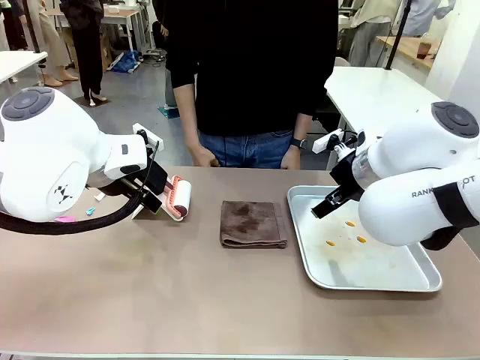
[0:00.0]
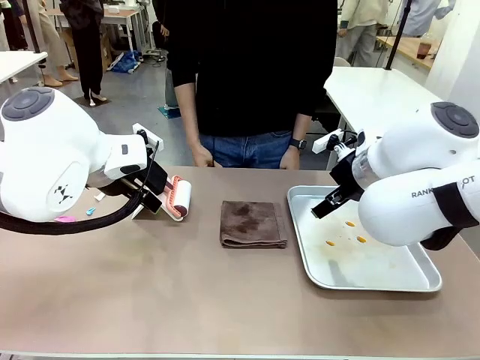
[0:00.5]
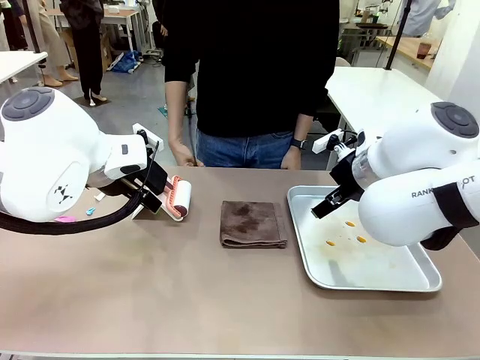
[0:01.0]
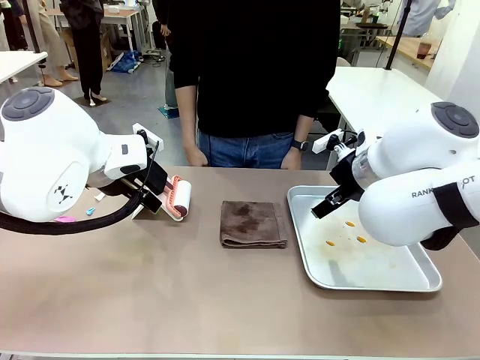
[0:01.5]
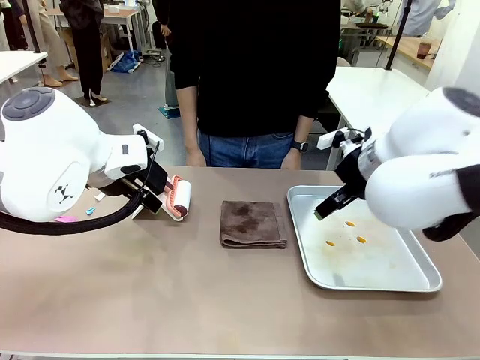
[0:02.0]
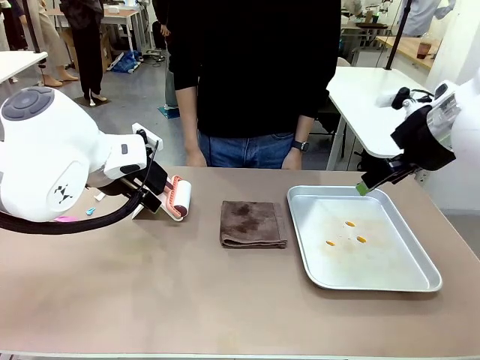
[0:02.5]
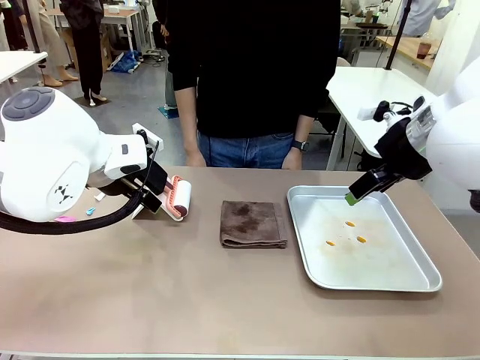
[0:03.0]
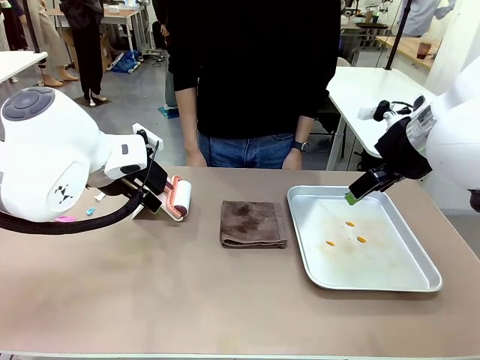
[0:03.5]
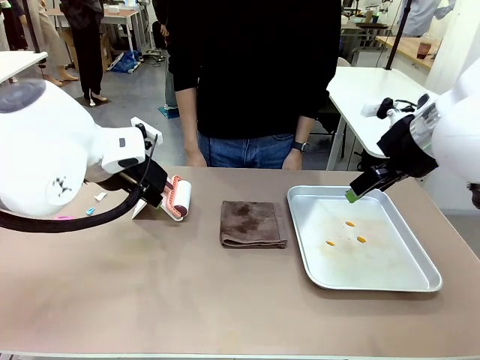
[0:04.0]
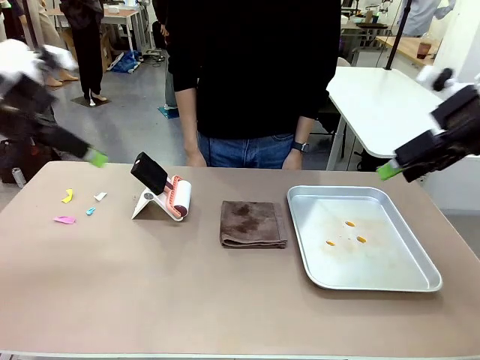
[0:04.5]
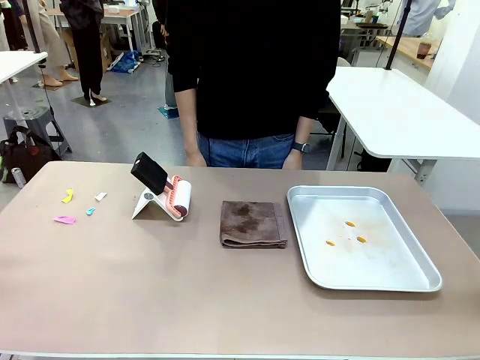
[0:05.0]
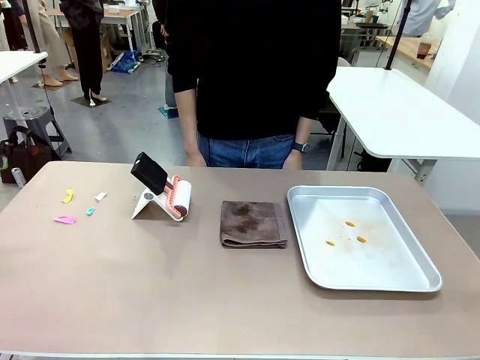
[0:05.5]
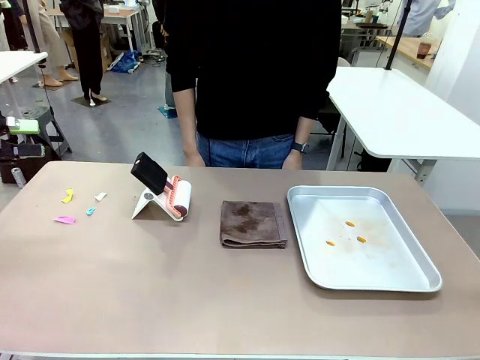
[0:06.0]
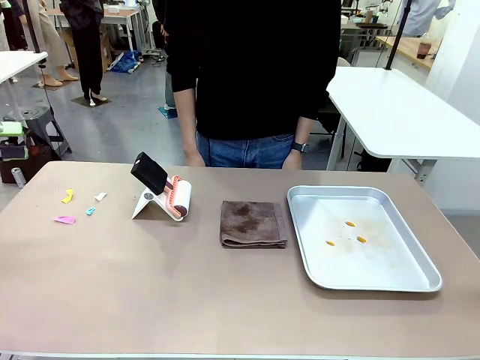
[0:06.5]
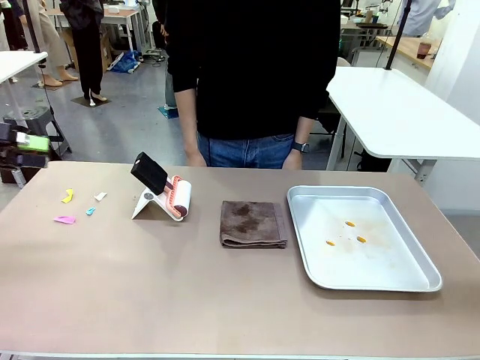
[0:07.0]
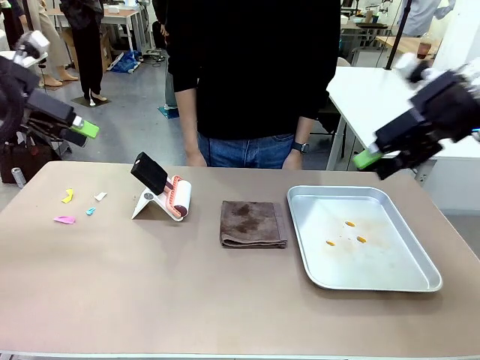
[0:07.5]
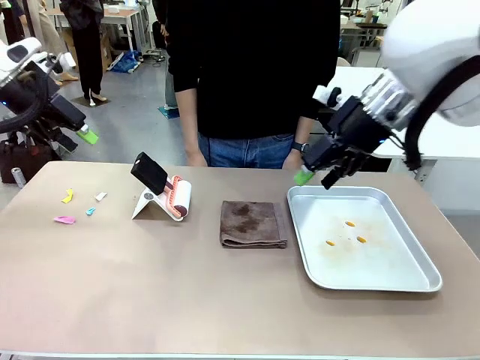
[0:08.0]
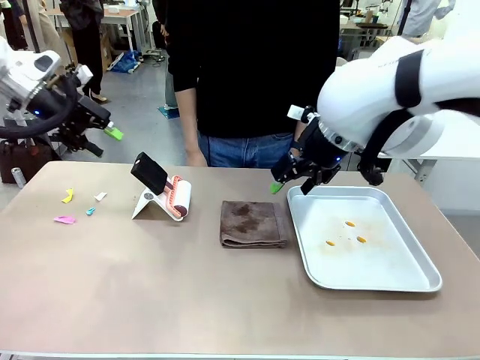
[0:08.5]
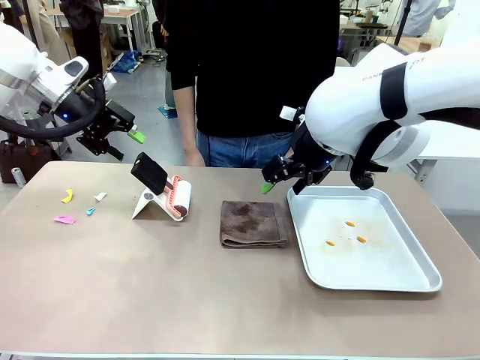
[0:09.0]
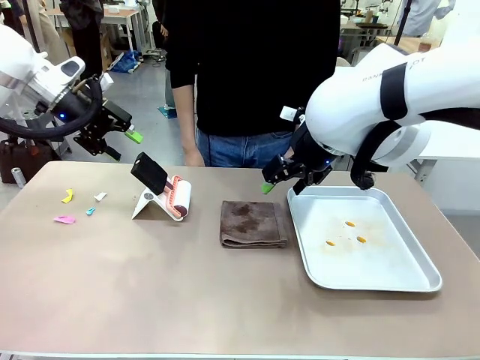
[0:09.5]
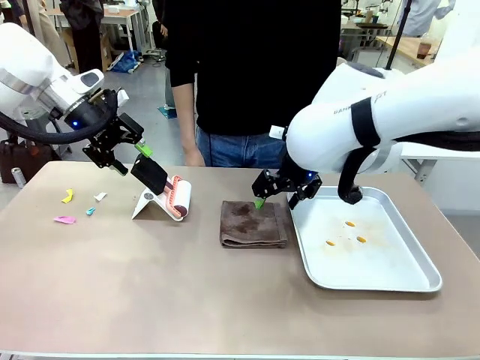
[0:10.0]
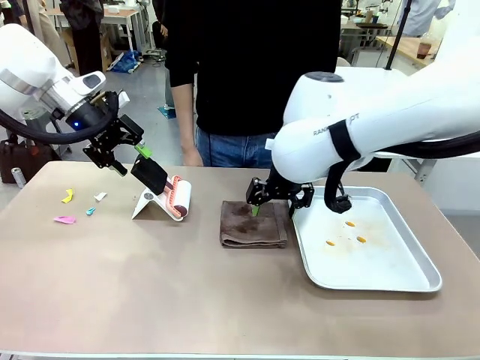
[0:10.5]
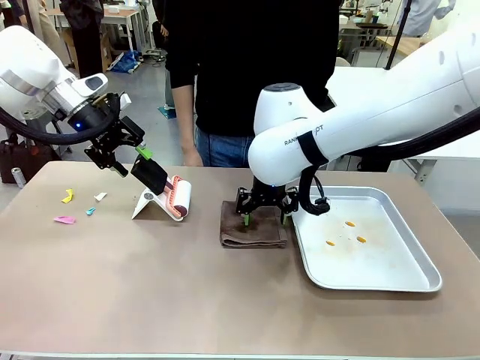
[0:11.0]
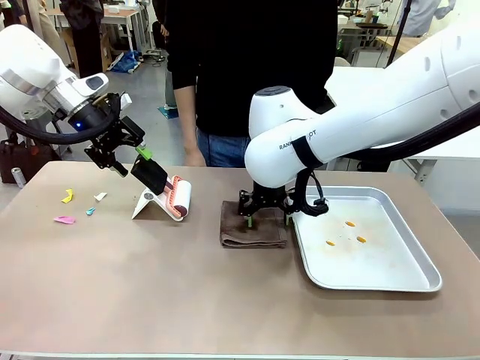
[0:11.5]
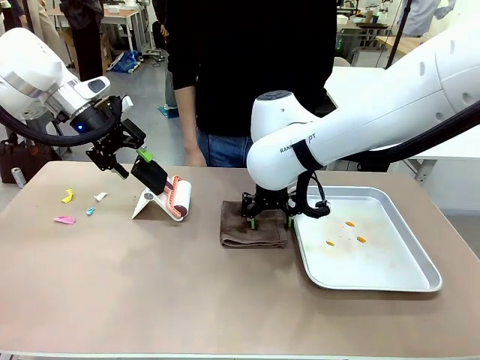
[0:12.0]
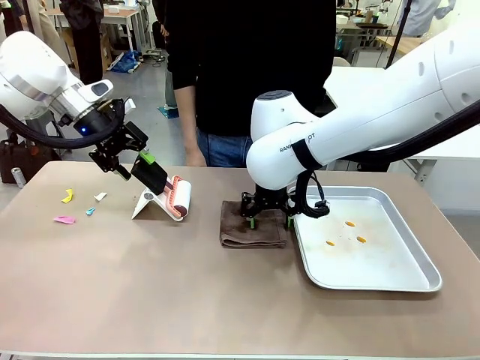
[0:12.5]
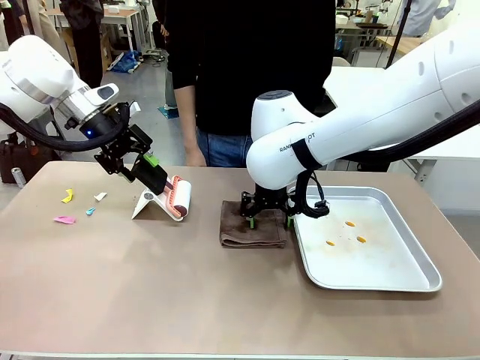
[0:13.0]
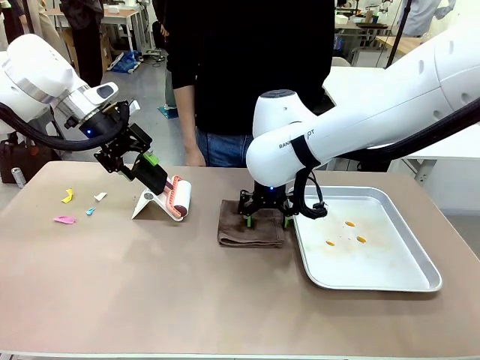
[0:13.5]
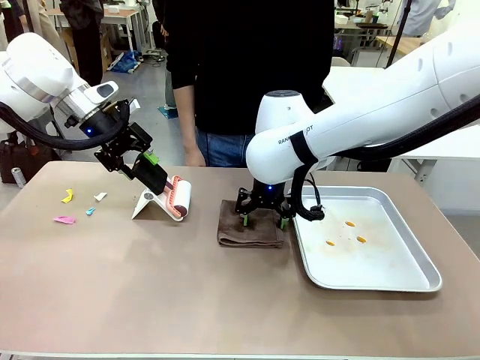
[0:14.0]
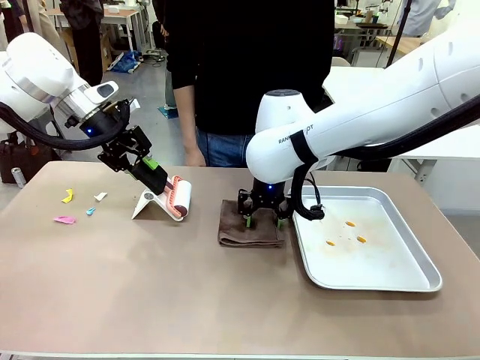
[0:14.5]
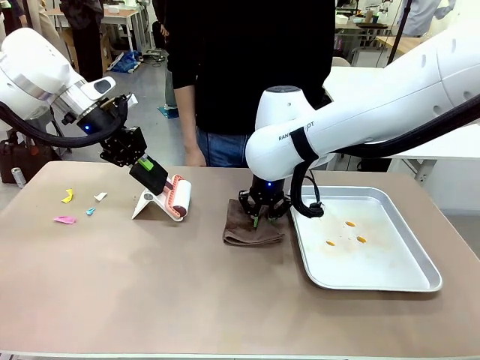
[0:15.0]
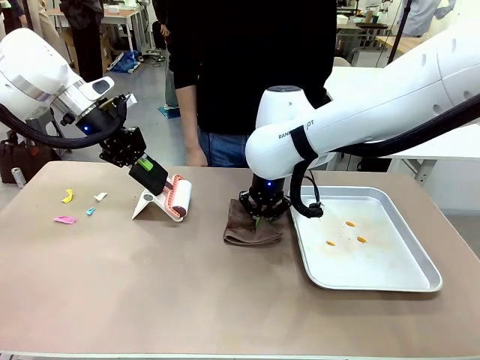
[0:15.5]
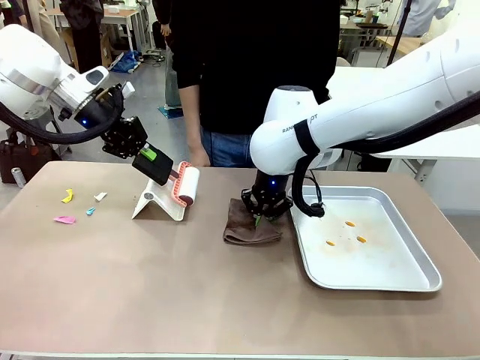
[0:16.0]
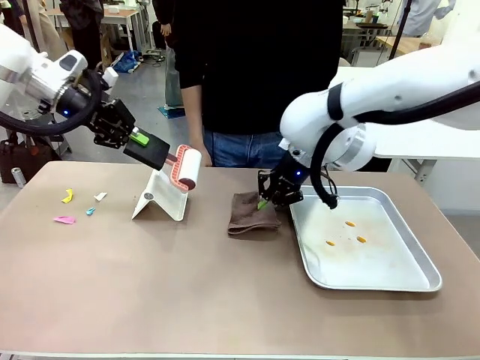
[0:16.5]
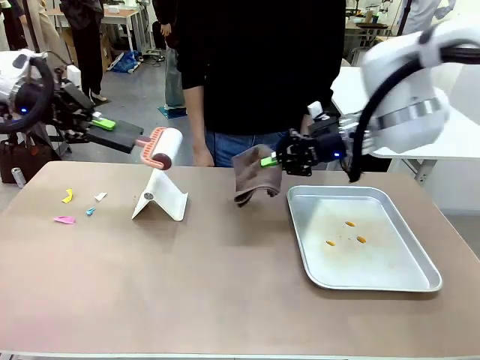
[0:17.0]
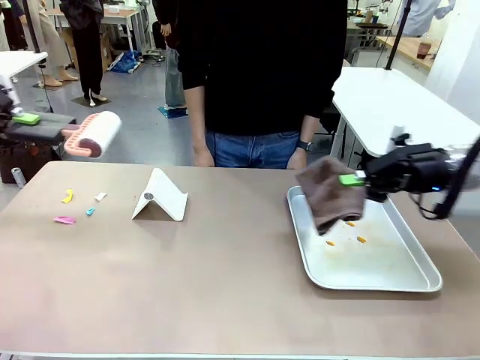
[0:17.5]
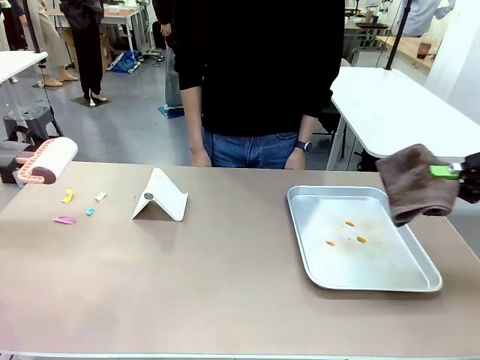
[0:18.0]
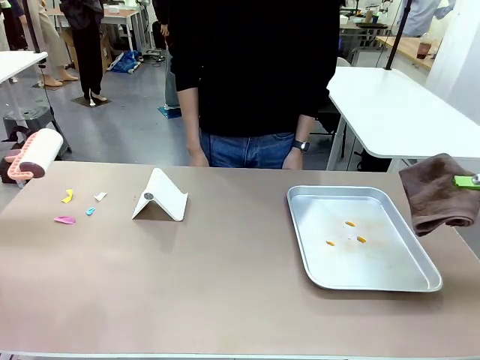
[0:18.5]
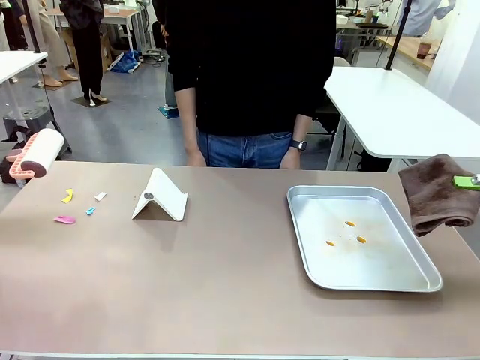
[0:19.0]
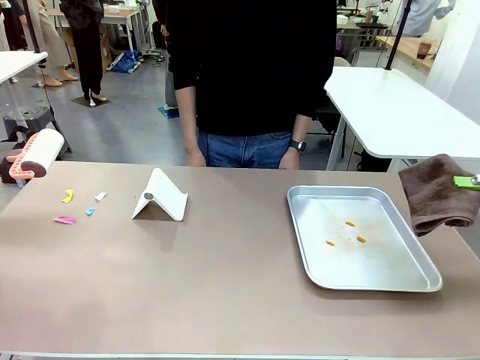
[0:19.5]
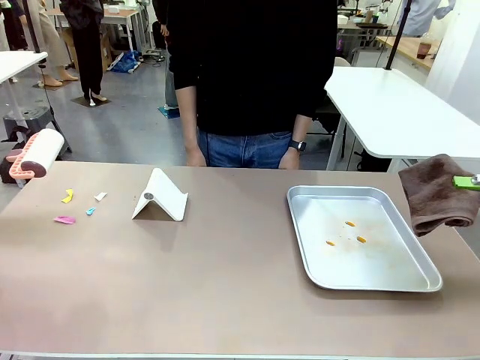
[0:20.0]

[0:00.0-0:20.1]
Task: Clean the surface of the table.
Robot: Hold the Lint Roller with your left hand and the towel with your right hand.

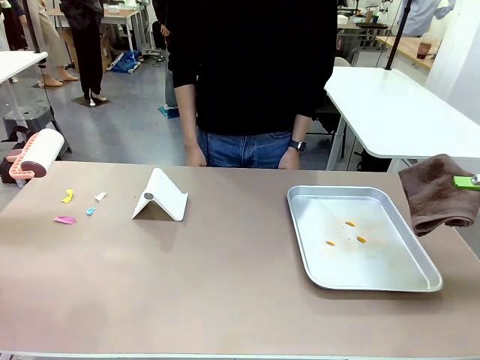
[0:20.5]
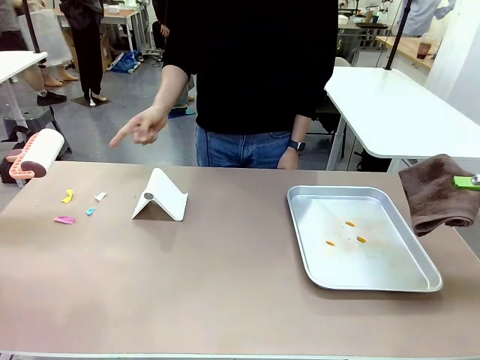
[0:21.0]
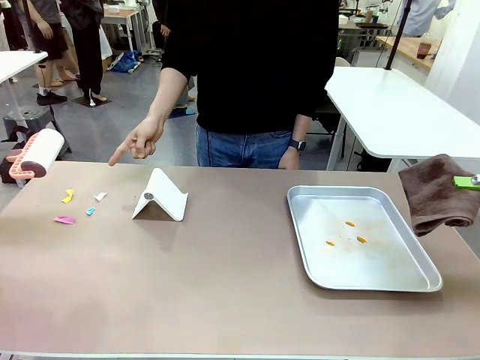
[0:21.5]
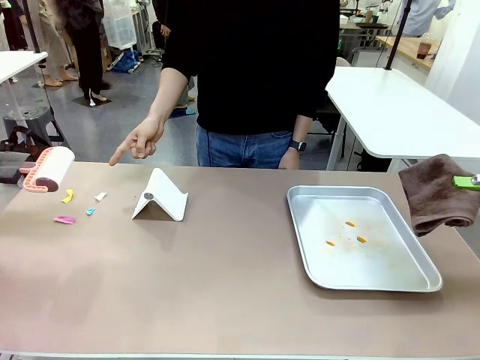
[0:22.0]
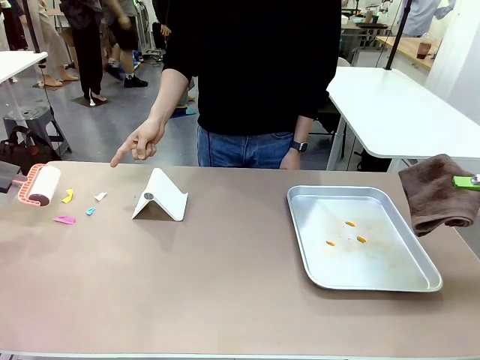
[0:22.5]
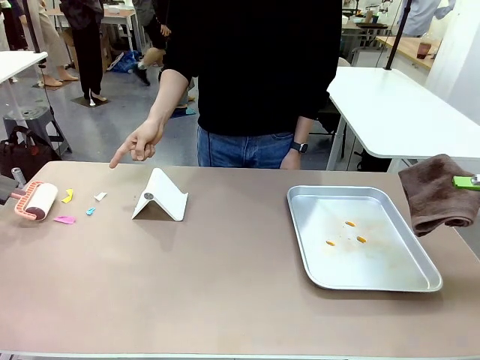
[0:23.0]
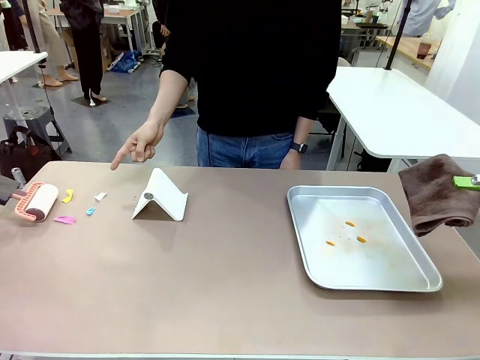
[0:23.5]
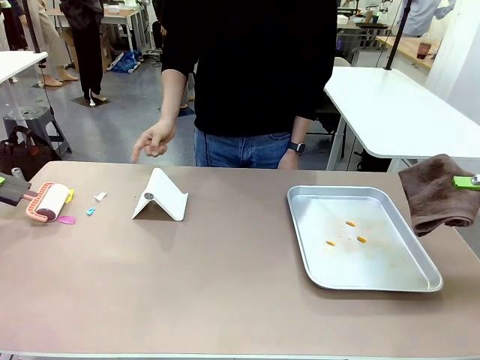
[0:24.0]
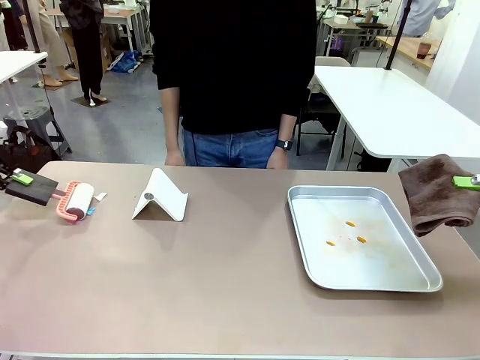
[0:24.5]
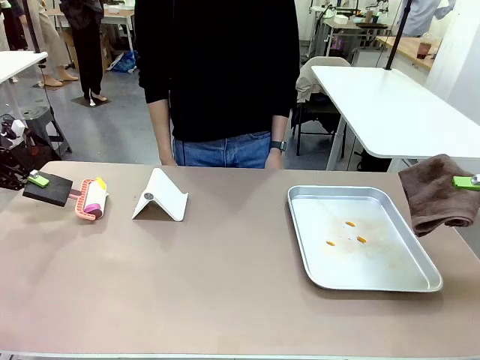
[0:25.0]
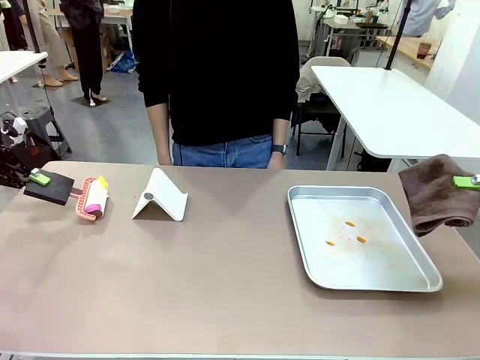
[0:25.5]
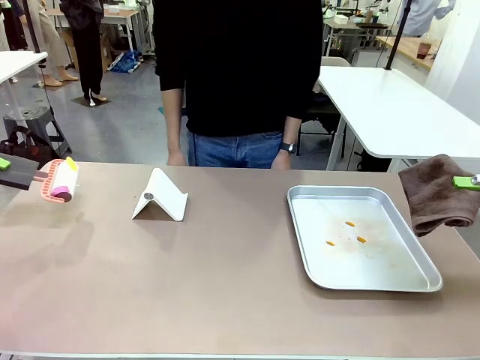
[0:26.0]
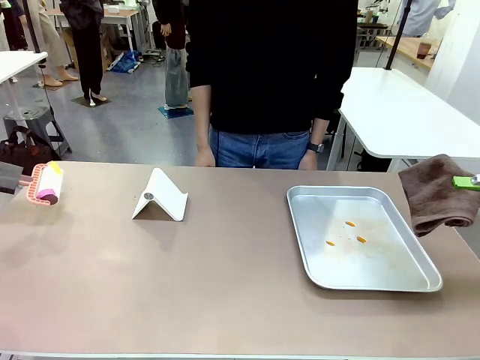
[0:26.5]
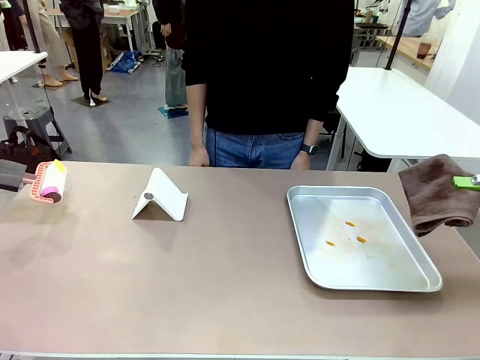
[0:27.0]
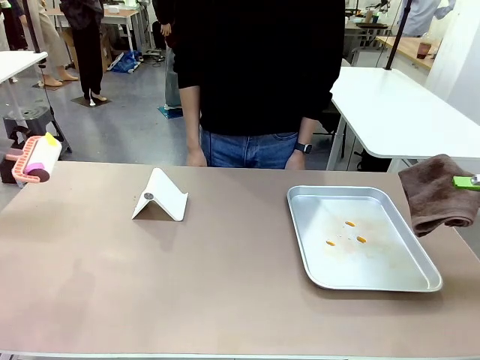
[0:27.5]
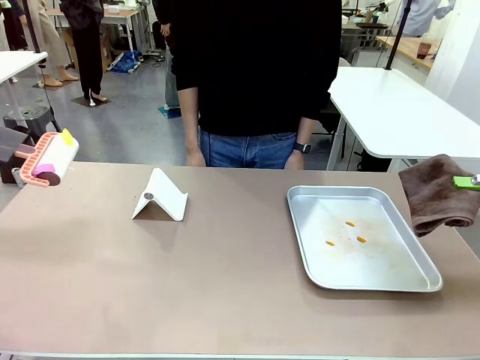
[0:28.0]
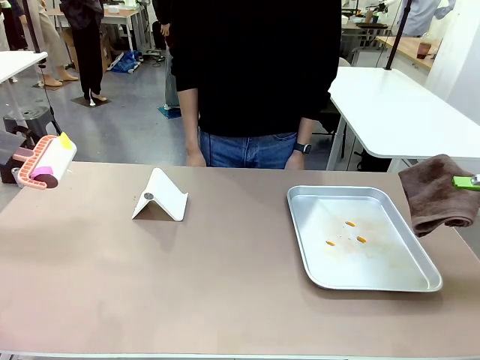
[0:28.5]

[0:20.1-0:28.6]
Robot: If a person points to the right, clean the right side of the table with your right hand, and if they point to the left, clean the left side with your left hand.
